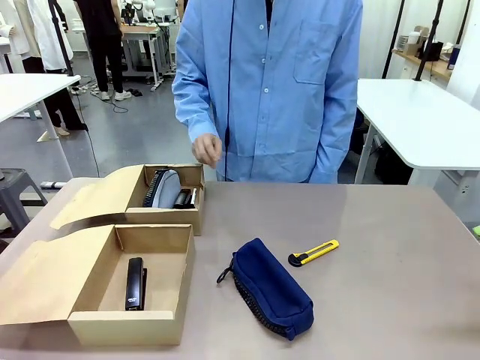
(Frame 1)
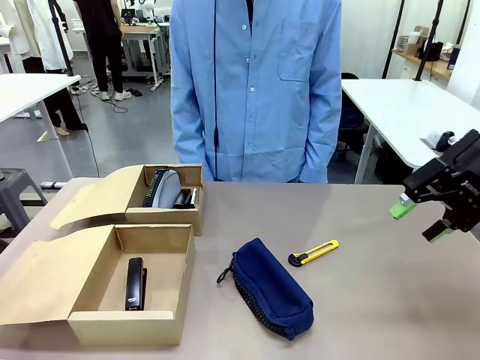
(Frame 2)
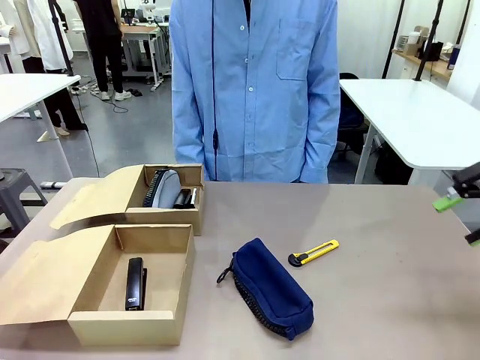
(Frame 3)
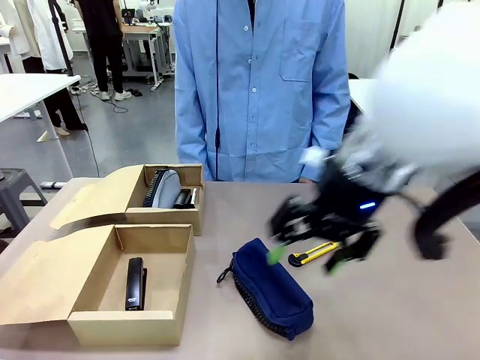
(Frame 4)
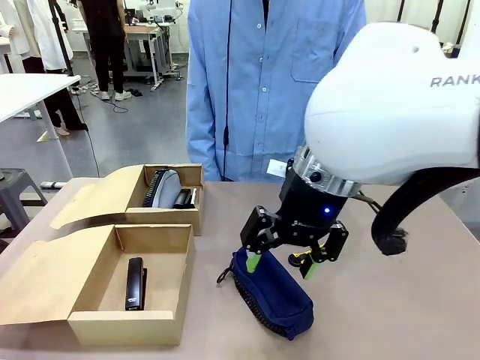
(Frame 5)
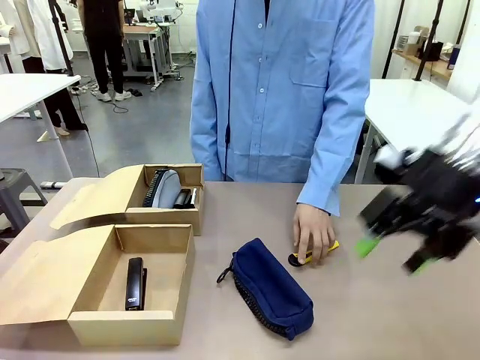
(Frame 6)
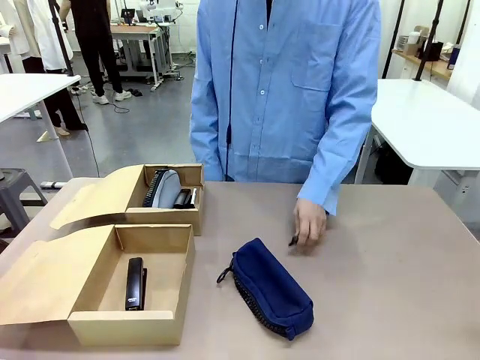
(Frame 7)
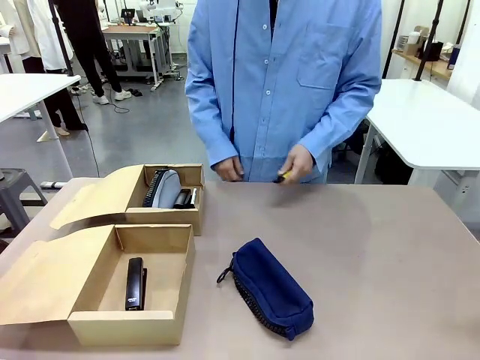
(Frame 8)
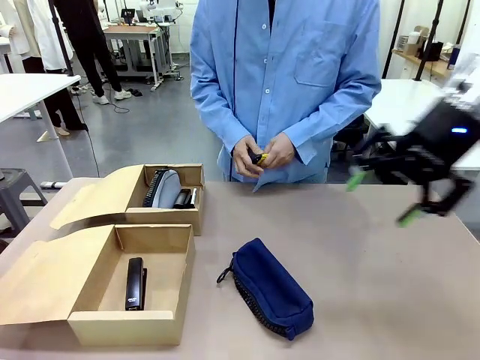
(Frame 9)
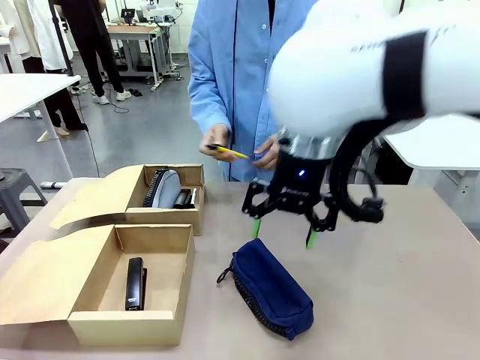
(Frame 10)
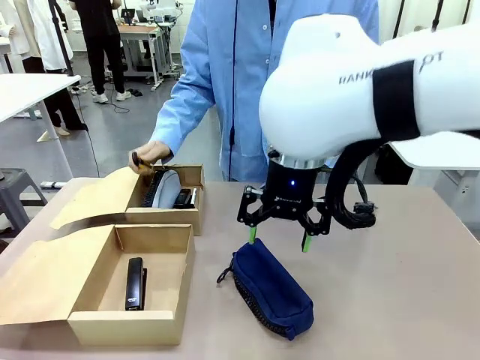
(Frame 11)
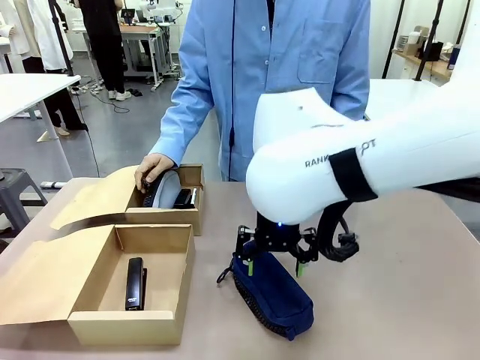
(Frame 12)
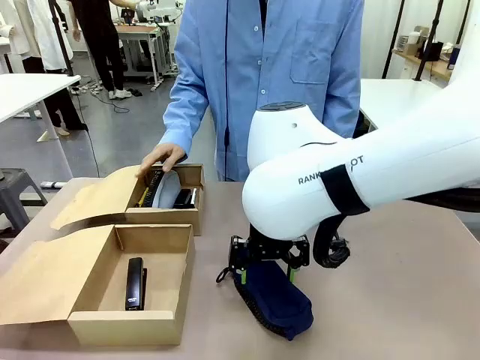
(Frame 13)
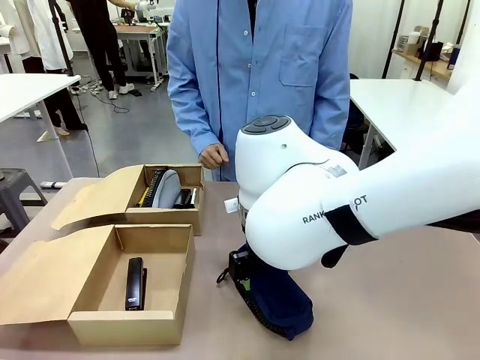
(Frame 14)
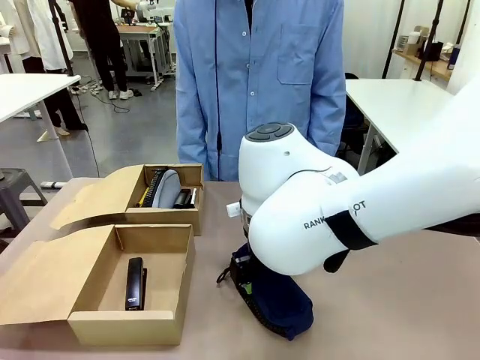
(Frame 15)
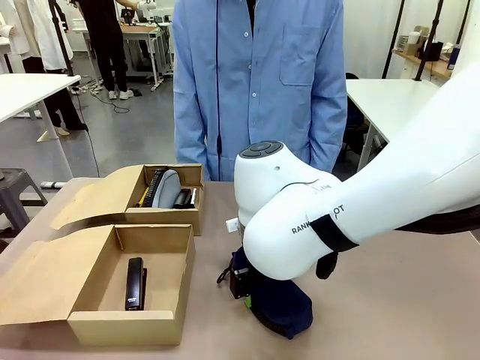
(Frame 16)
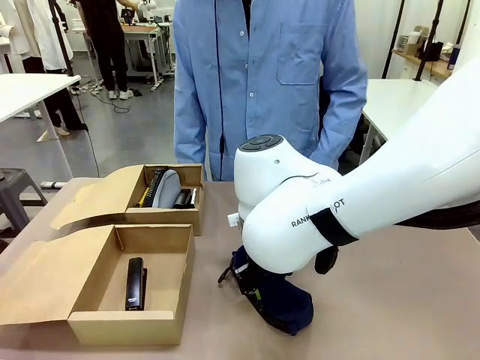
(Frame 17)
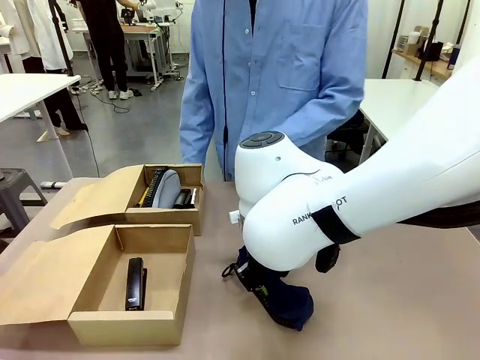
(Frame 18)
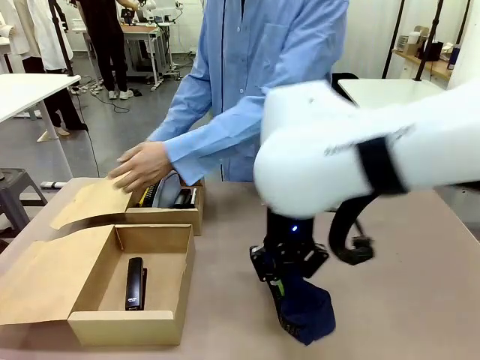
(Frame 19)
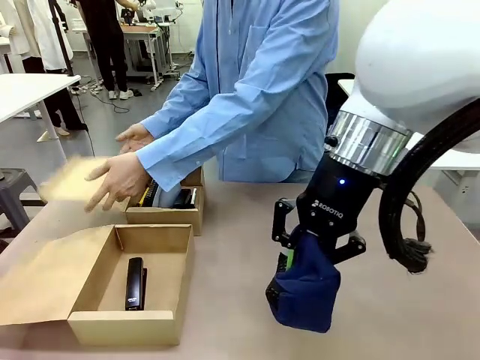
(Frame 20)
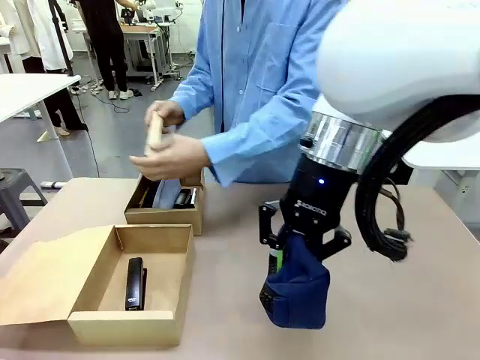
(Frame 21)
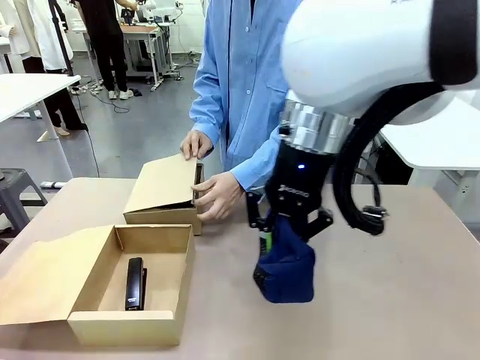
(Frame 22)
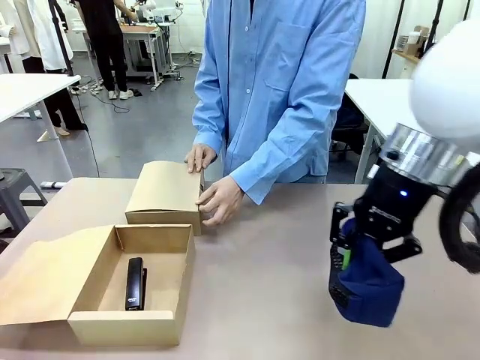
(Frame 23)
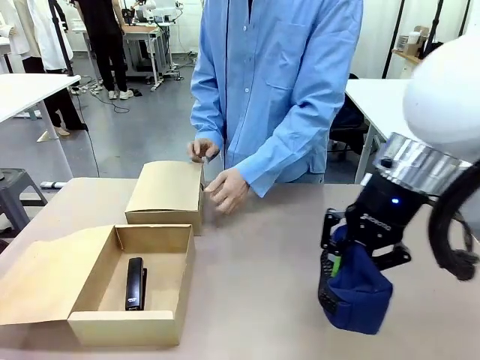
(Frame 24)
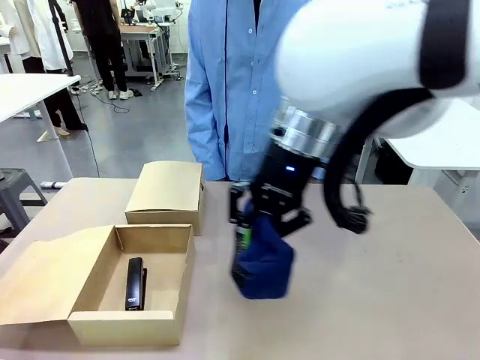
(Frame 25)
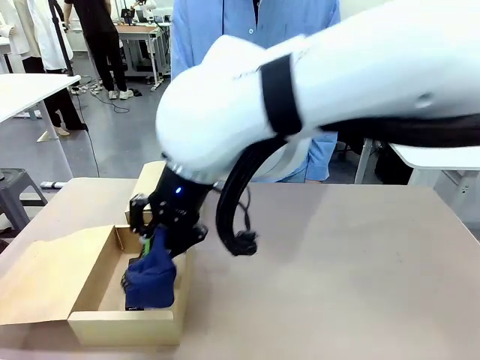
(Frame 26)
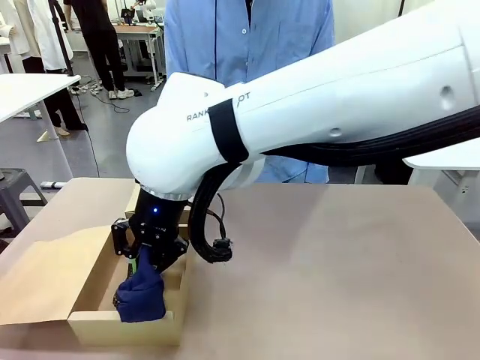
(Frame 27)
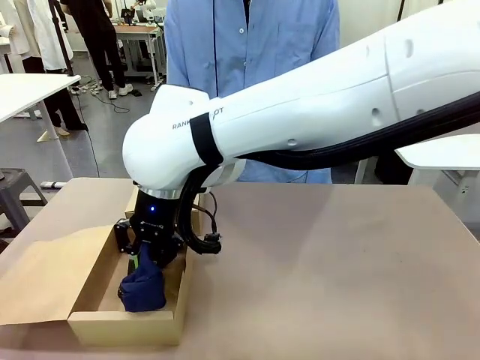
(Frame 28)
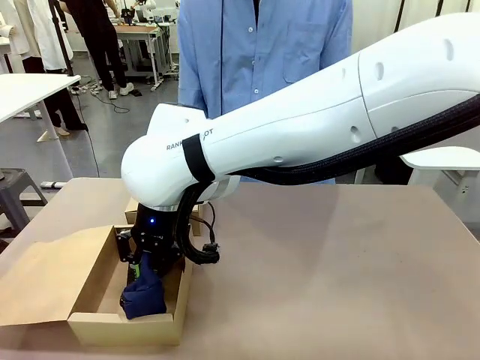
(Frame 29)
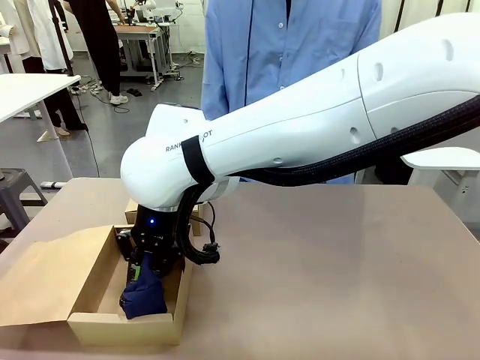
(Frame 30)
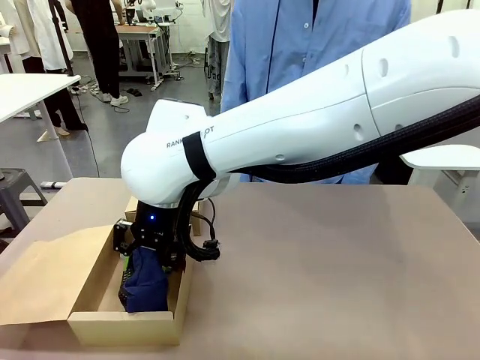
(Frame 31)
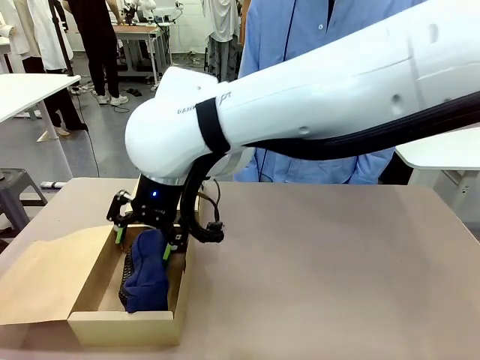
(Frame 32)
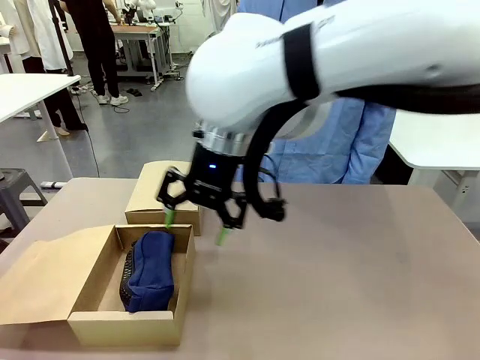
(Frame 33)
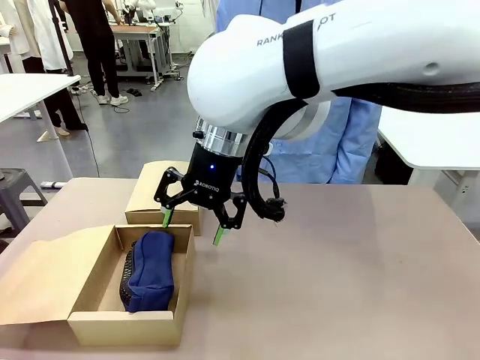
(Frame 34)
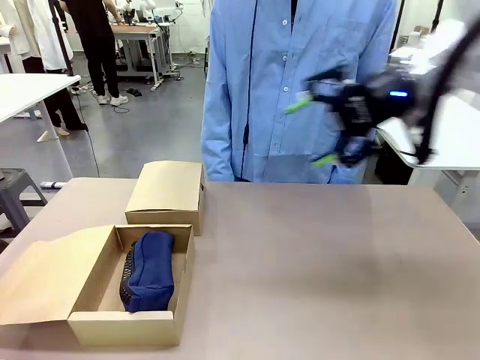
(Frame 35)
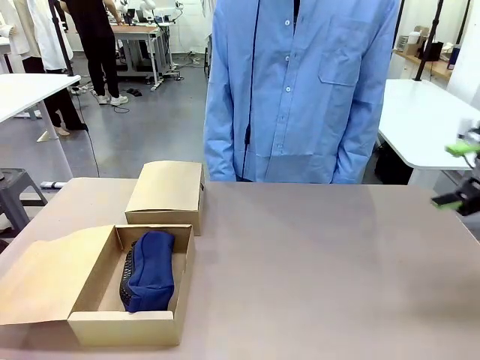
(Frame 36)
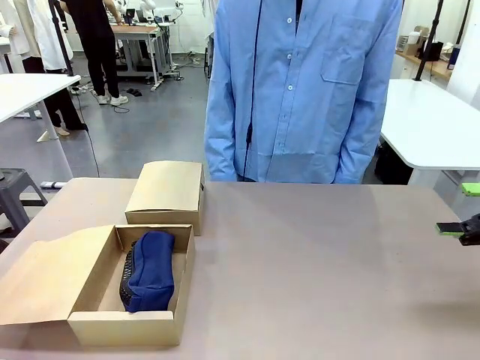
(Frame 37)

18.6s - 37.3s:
Task: Place items inside the box.
Robot: Pick up a Pencil pouch or Stapler and place it inside the Mailer Box closest to the robot.
Person: Close the lid of the box facing the person.

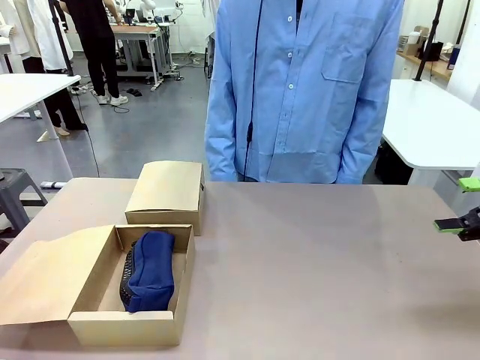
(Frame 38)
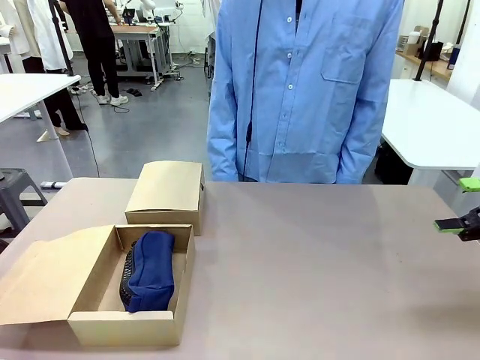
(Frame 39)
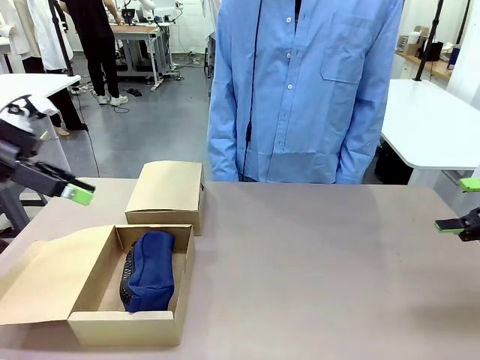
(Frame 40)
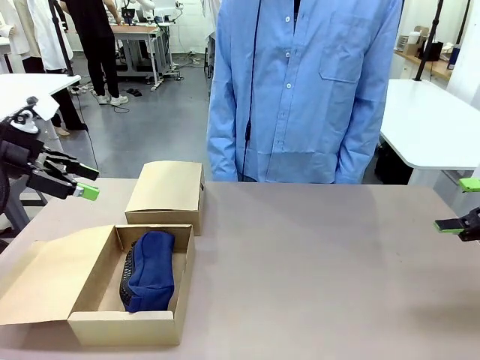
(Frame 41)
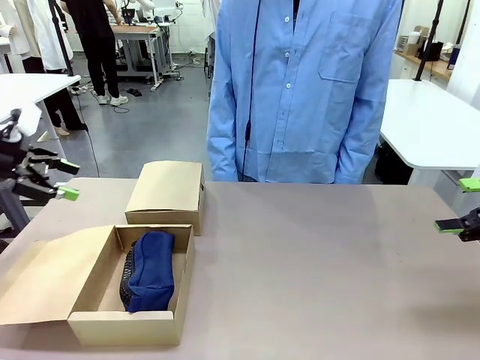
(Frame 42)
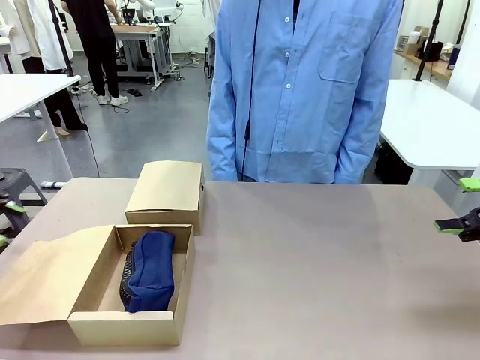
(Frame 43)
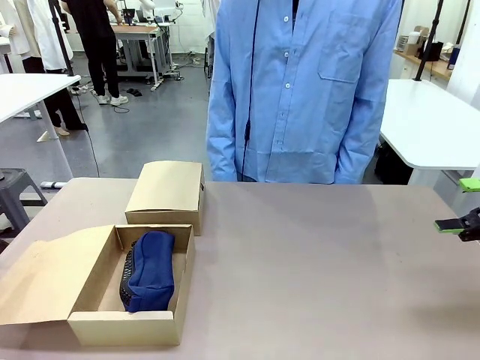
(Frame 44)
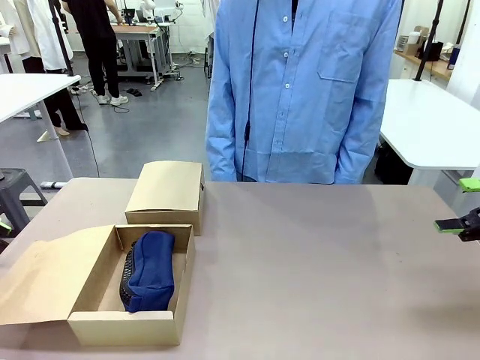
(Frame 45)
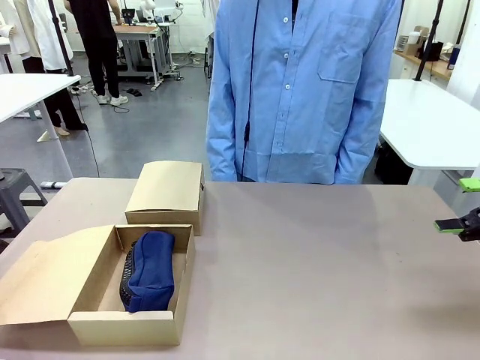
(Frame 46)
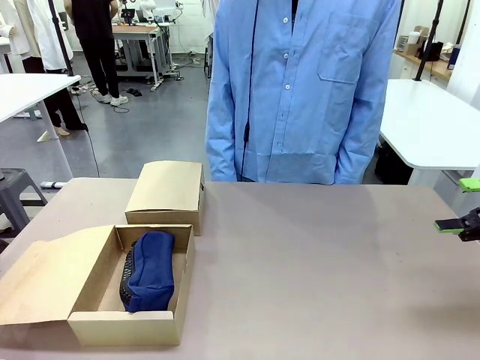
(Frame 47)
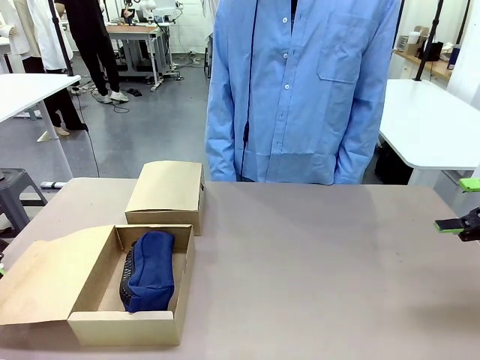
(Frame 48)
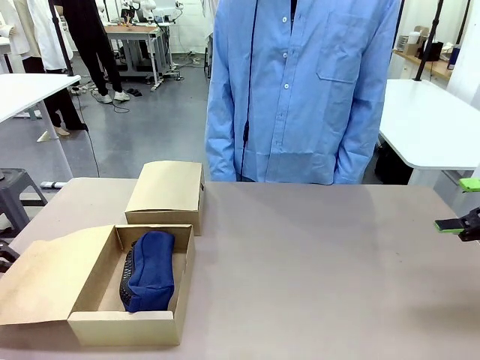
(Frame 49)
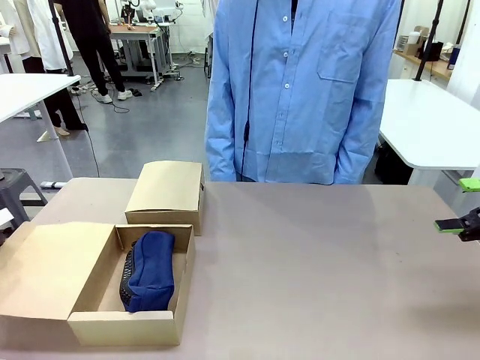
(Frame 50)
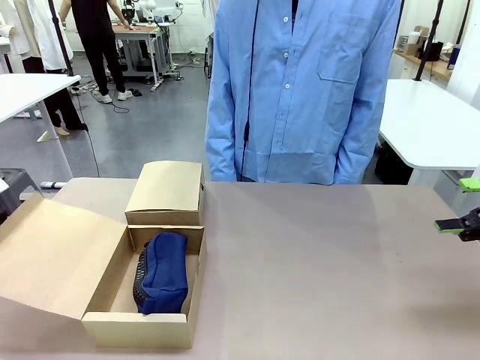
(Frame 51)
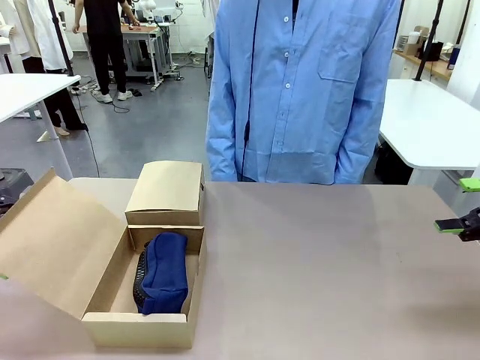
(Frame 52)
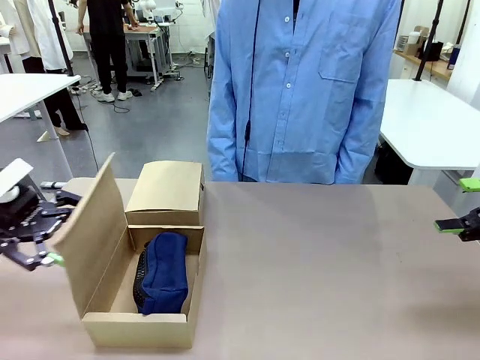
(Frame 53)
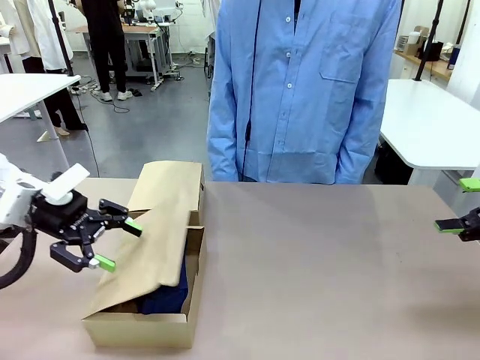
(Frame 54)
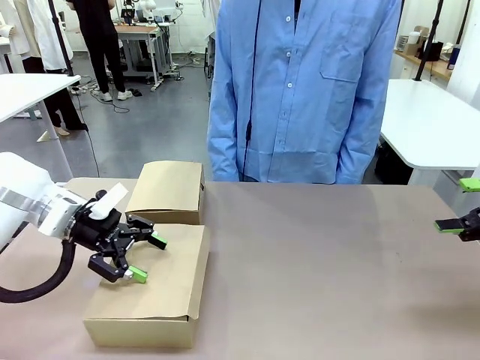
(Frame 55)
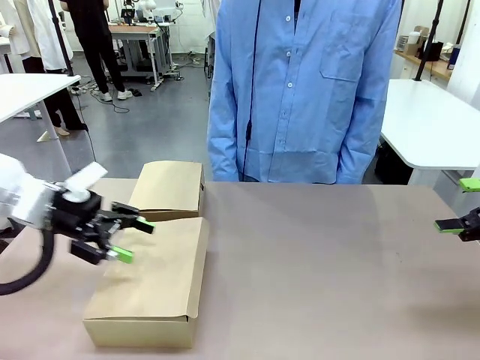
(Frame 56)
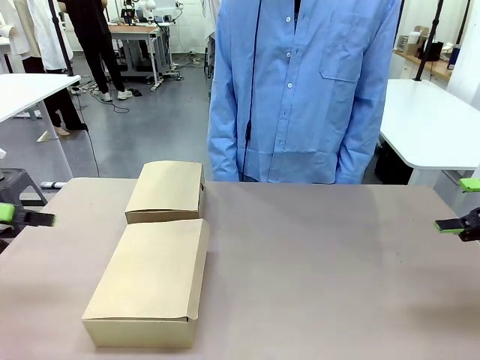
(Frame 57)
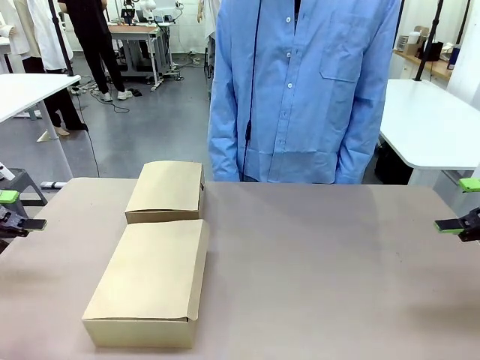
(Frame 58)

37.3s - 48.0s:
Robot: Close the lid of the Mailer Box closest to the robot.
